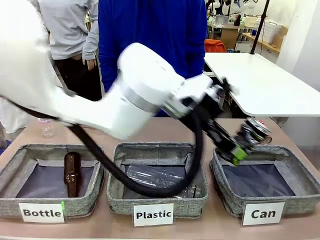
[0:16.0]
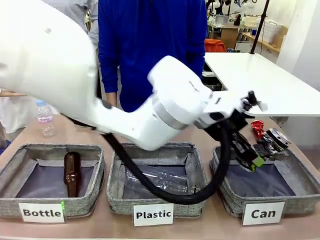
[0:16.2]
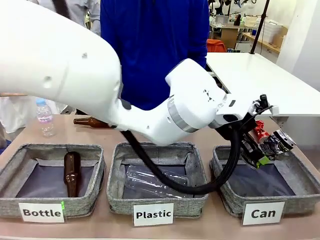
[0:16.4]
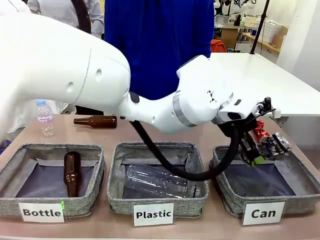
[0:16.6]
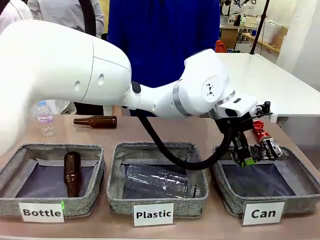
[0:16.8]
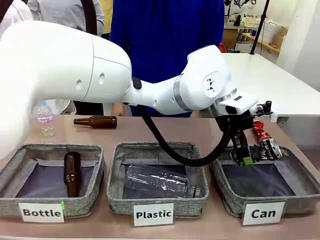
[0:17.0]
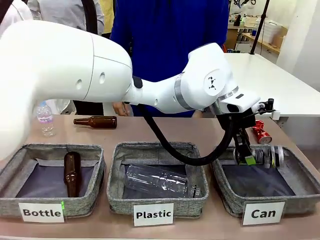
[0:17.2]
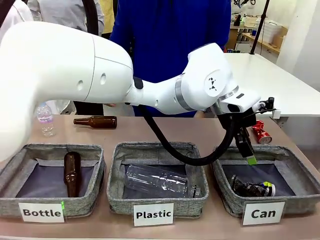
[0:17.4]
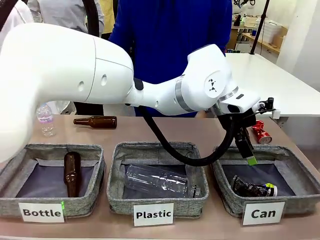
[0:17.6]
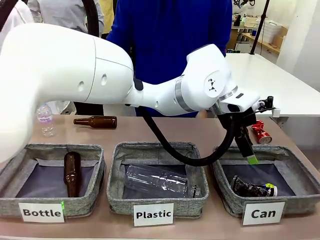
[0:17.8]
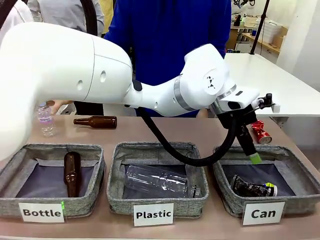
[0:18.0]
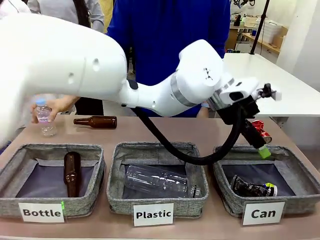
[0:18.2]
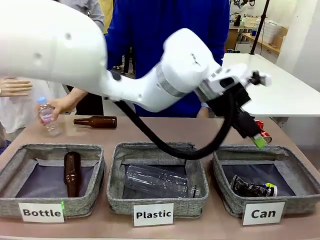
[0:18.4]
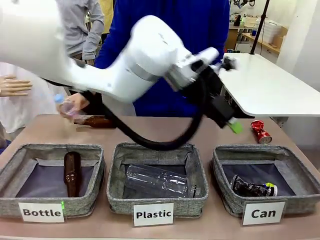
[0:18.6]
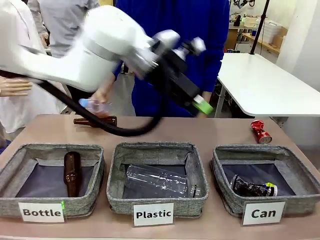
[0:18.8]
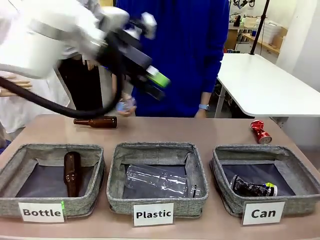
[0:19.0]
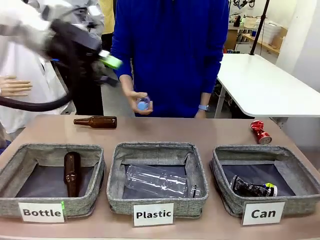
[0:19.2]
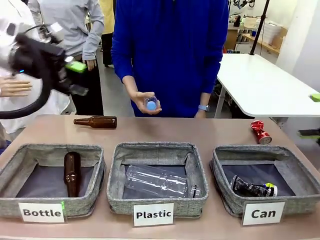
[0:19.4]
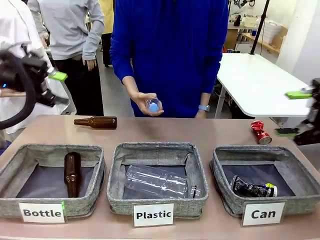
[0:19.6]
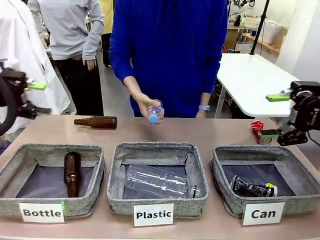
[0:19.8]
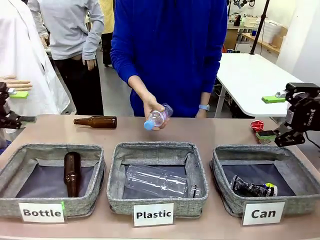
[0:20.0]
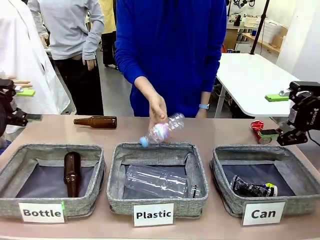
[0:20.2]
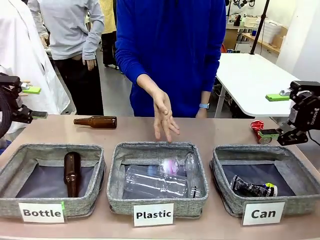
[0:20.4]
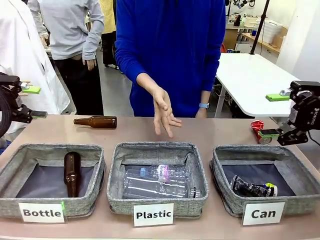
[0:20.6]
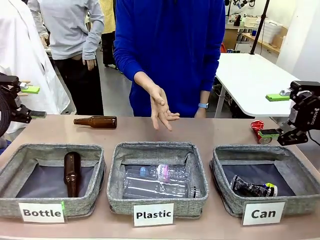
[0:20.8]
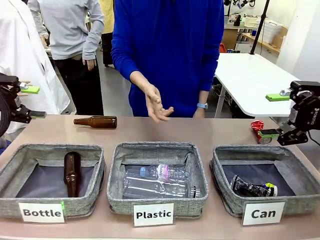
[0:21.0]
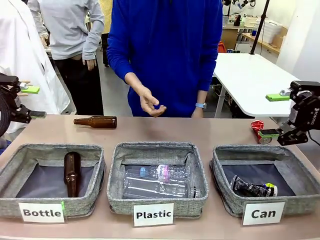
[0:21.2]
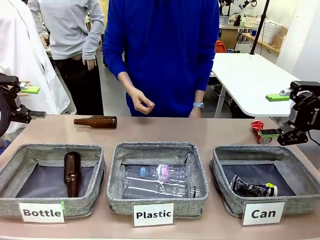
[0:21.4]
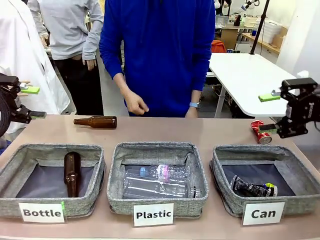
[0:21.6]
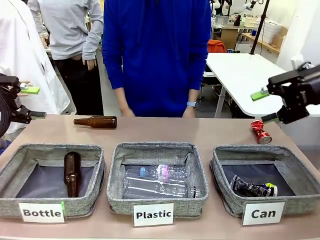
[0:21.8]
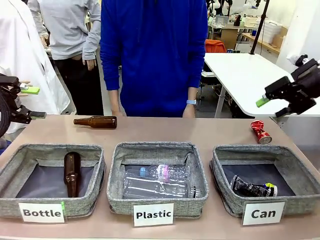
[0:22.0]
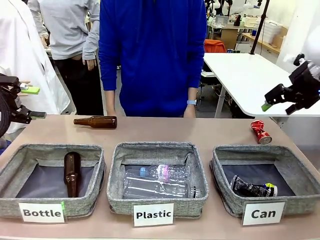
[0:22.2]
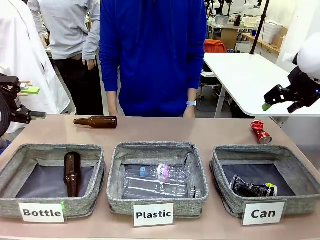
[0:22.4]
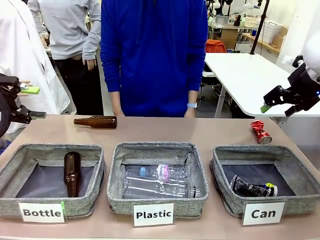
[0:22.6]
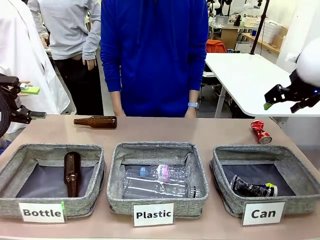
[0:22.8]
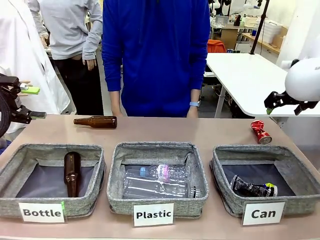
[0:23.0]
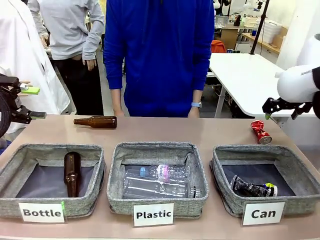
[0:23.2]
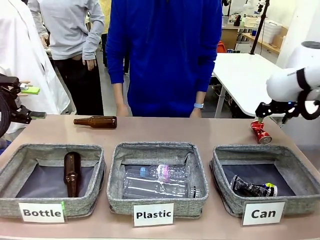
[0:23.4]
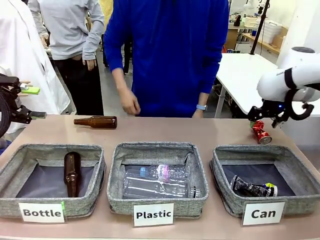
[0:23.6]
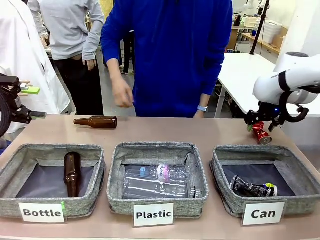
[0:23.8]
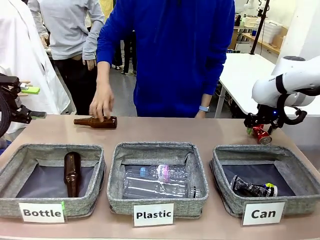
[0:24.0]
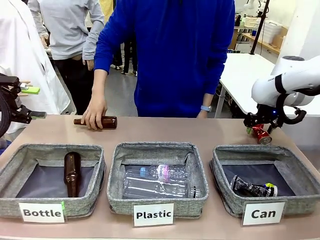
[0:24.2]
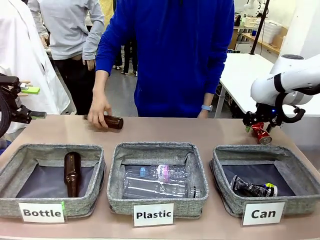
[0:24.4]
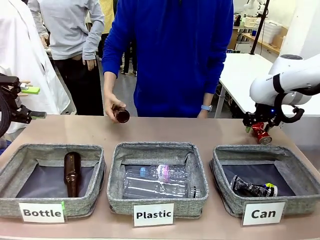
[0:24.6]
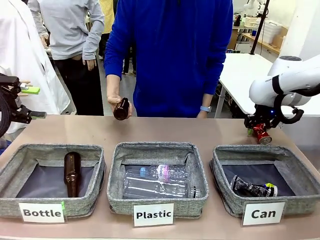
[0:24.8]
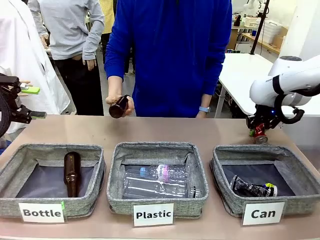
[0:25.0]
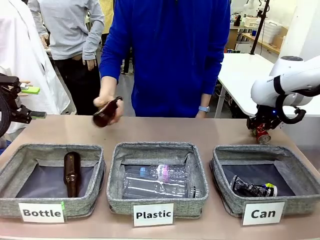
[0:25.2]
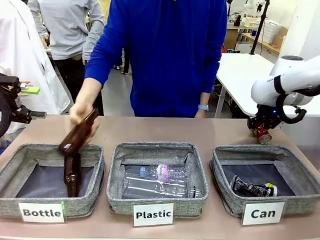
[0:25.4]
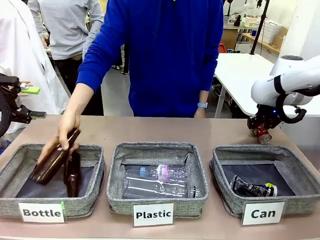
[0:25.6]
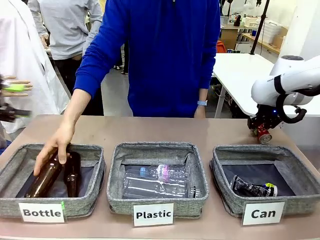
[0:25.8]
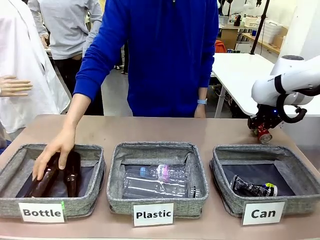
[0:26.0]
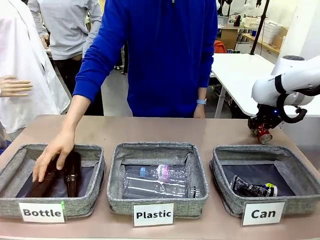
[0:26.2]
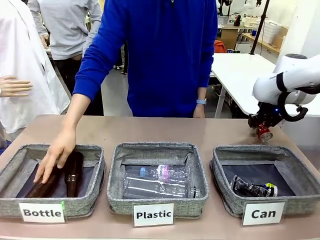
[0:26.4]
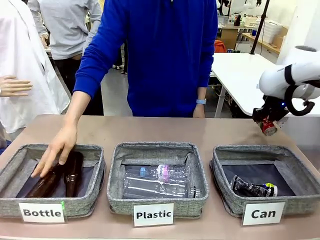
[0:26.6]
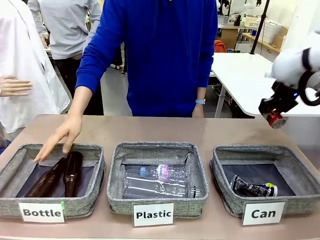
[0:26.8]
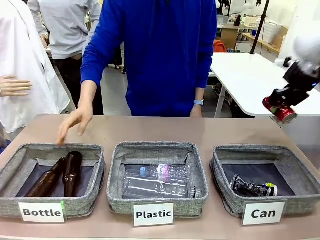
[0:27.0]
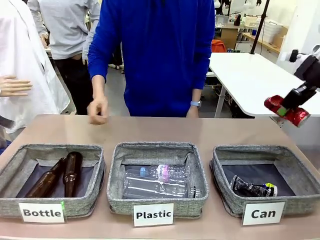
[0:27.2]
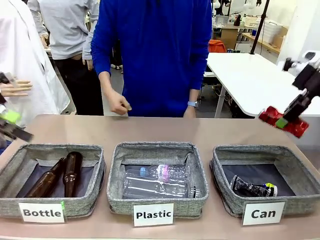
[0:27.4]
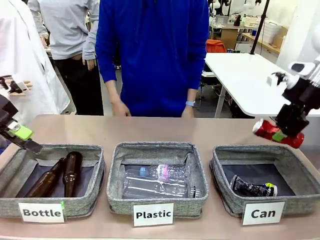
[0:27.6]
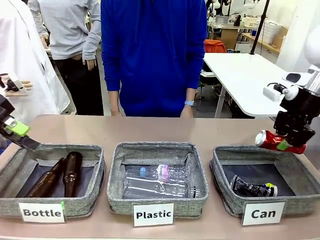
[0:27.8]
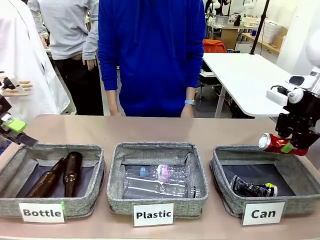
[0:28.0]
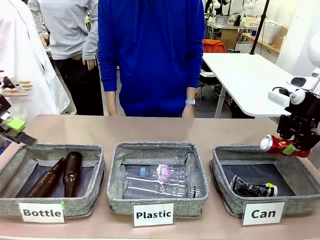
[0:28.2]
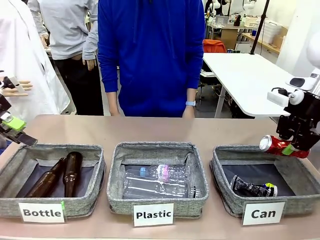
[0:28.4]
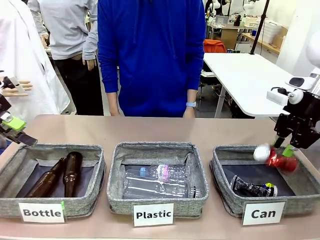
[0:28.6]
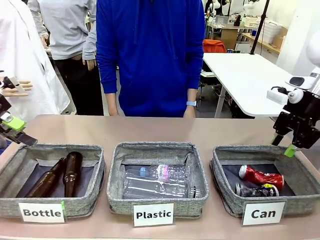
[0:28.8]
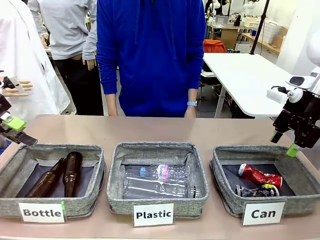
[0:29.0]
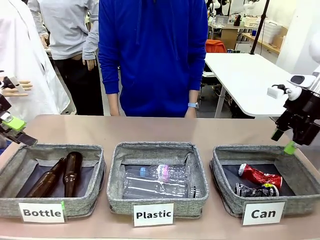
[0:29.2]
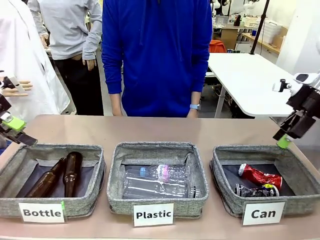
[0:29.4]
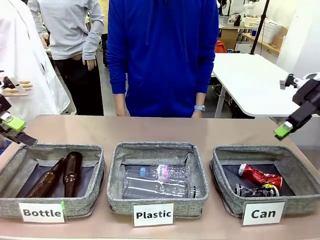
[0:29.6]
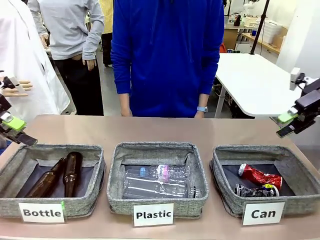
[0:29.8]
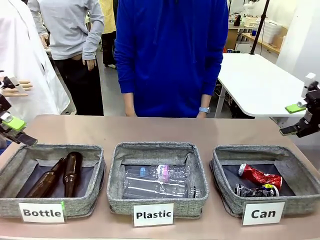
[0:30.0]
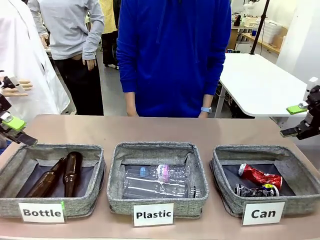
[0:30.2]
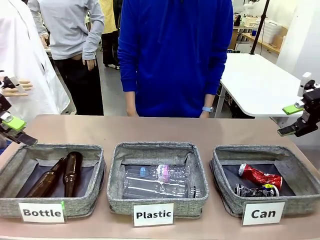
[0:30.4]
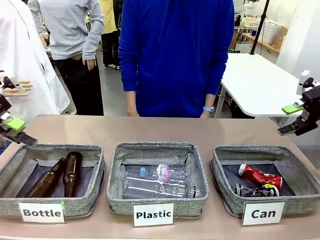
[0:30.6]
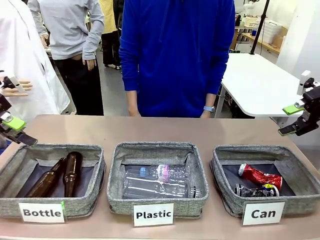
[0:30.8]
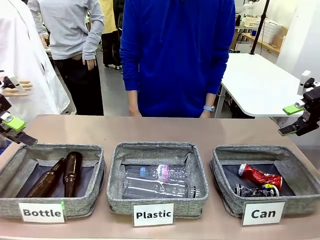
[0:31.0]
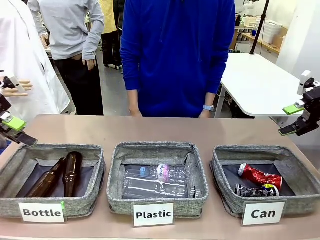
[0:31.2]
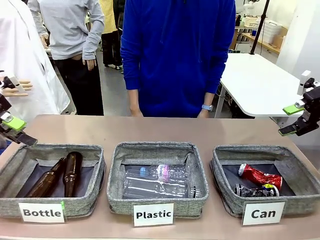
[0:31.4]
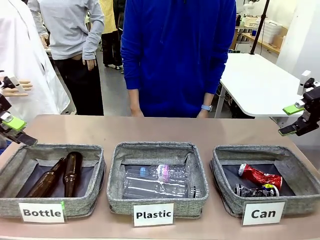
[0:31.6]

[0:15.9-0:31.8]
Task: Sort the can waste into the basket.
Robot: Pick up the can waste from the table and place it in the right Fabric basket.
